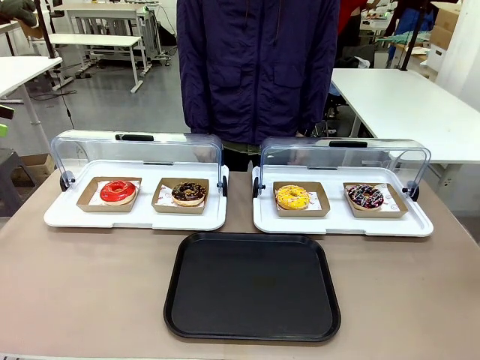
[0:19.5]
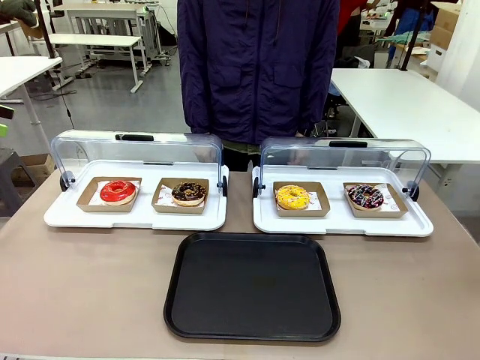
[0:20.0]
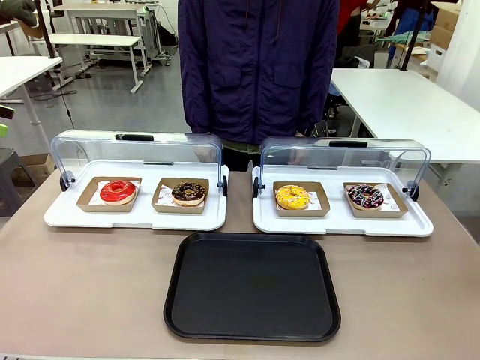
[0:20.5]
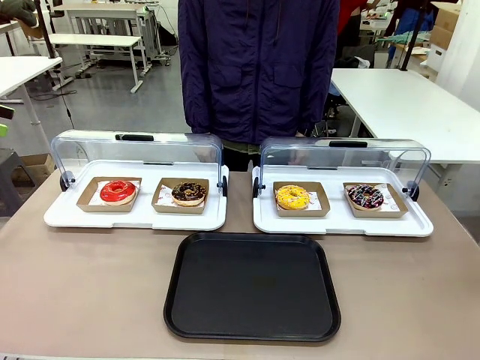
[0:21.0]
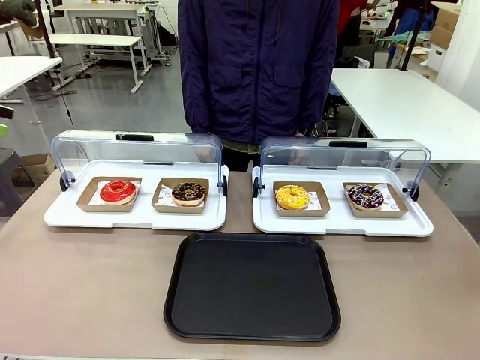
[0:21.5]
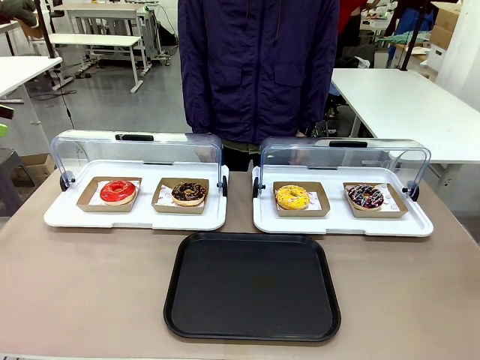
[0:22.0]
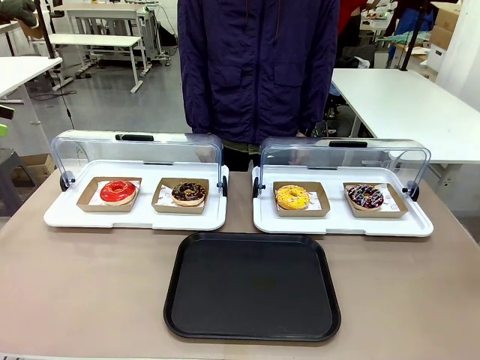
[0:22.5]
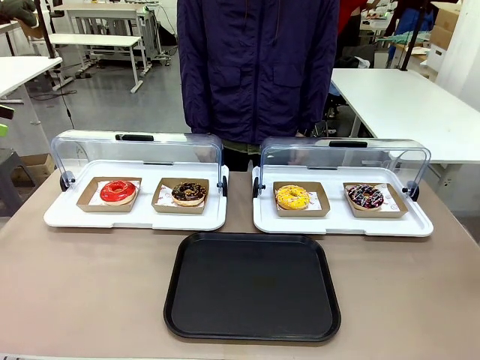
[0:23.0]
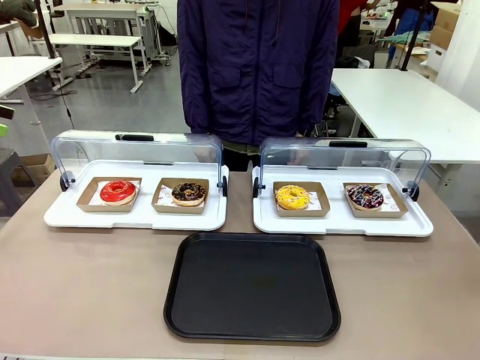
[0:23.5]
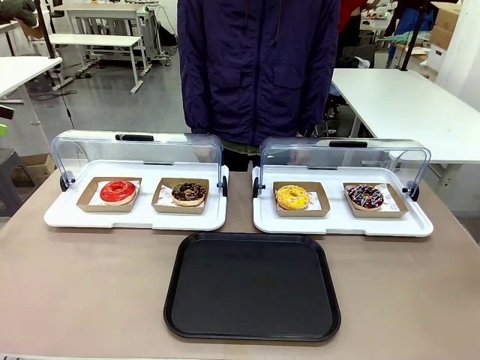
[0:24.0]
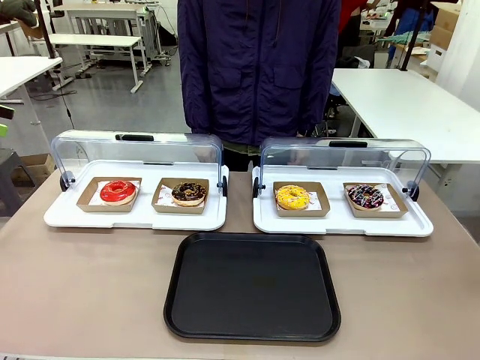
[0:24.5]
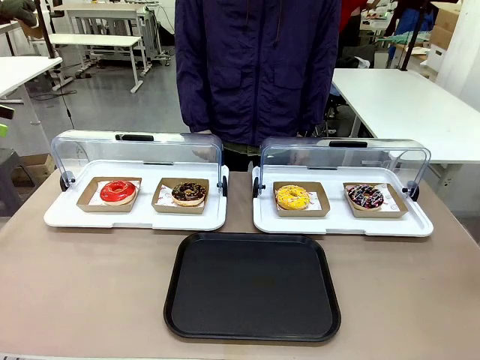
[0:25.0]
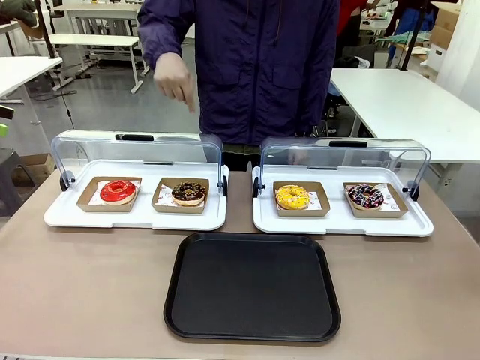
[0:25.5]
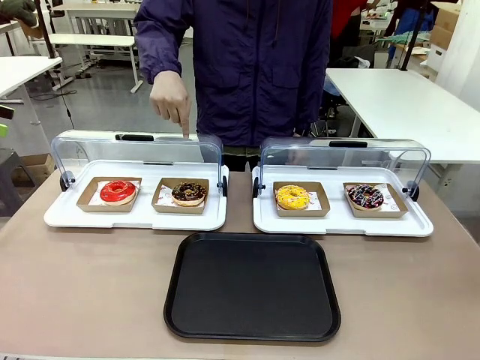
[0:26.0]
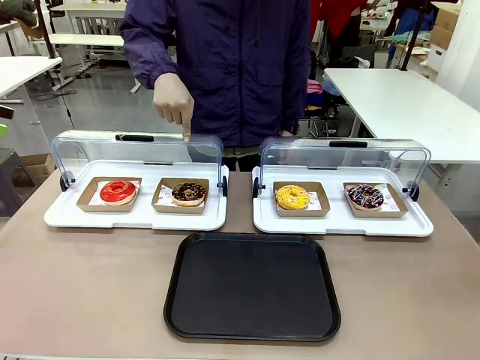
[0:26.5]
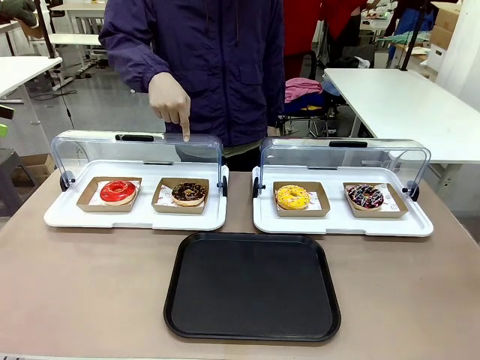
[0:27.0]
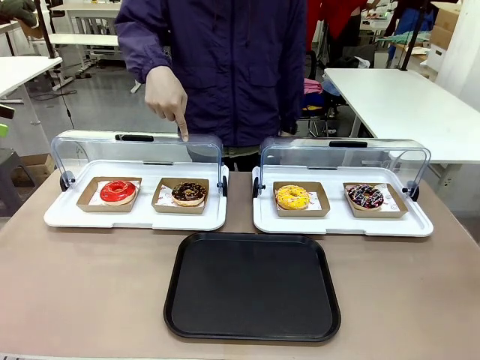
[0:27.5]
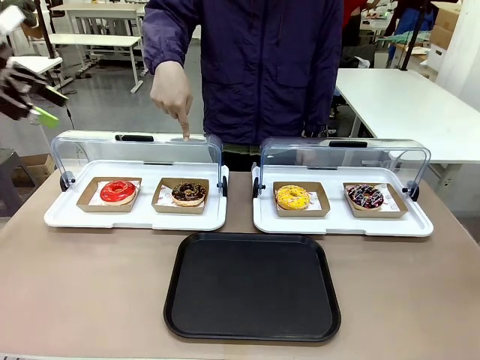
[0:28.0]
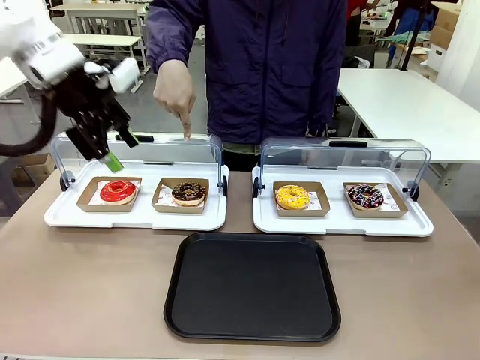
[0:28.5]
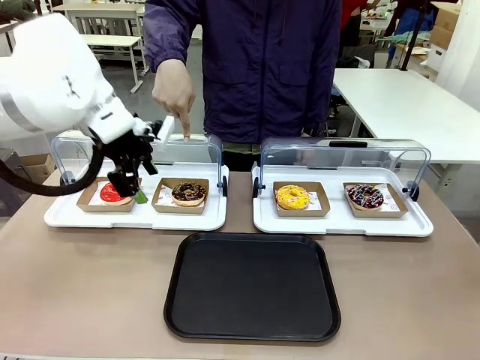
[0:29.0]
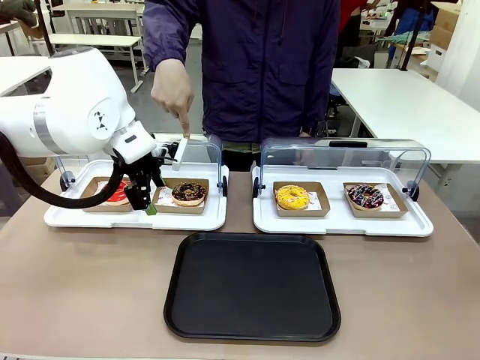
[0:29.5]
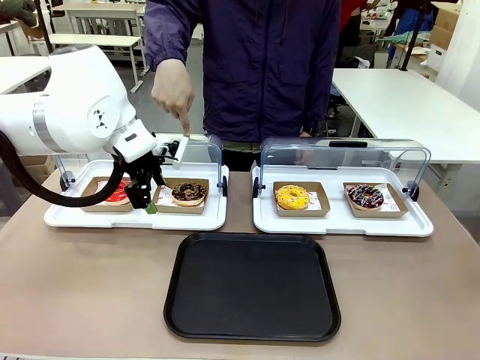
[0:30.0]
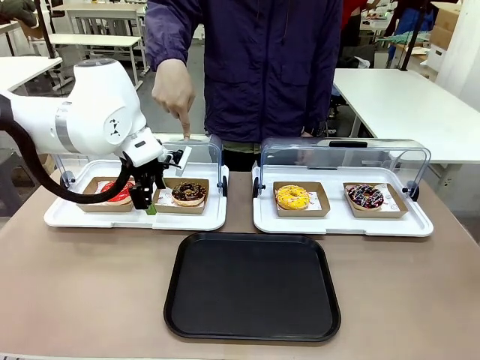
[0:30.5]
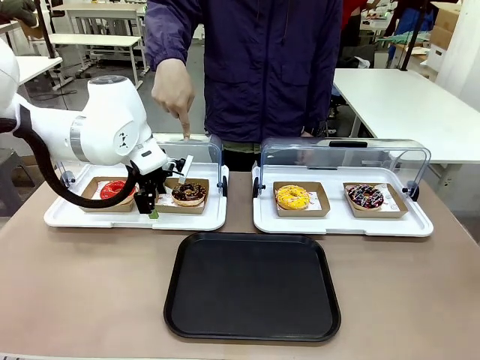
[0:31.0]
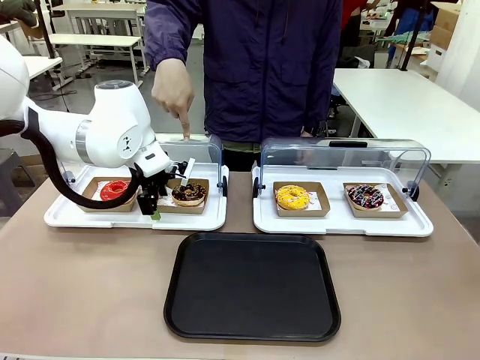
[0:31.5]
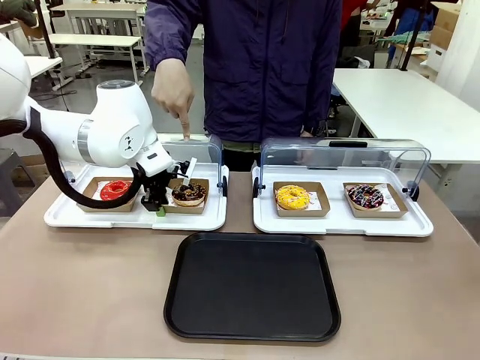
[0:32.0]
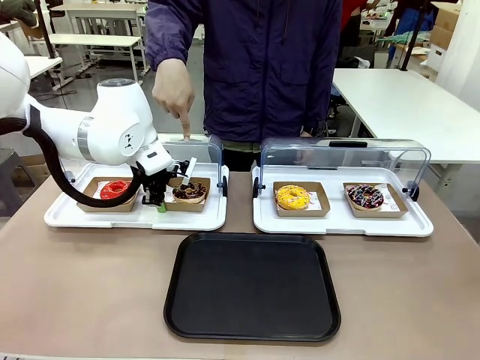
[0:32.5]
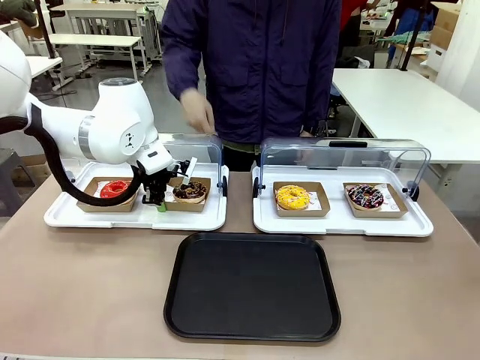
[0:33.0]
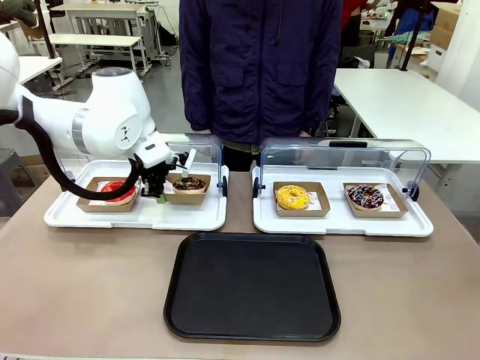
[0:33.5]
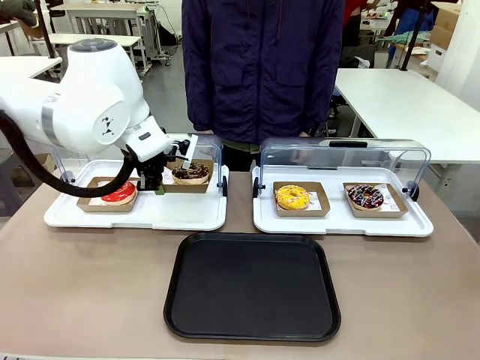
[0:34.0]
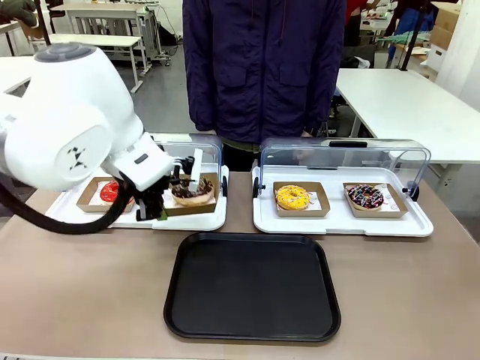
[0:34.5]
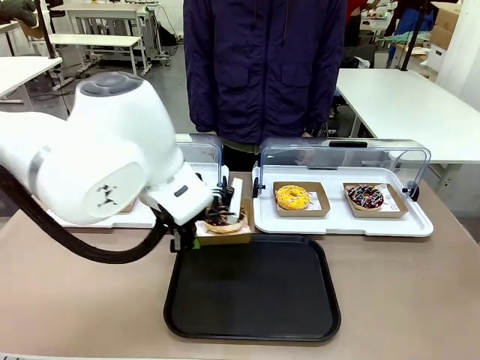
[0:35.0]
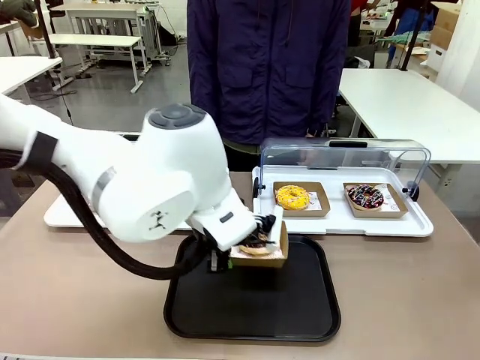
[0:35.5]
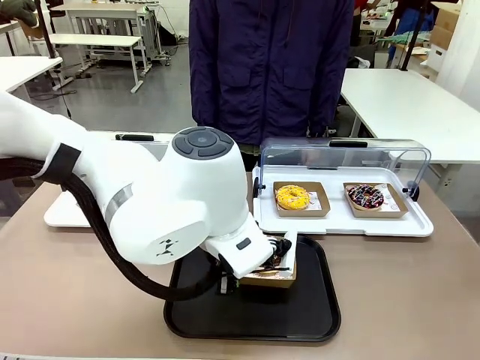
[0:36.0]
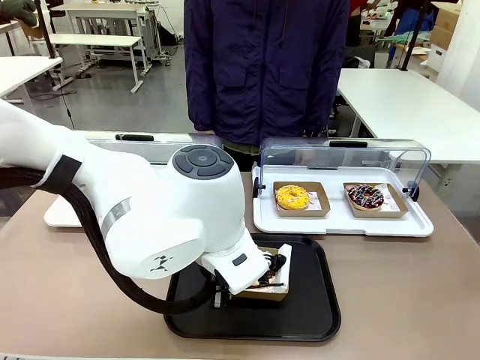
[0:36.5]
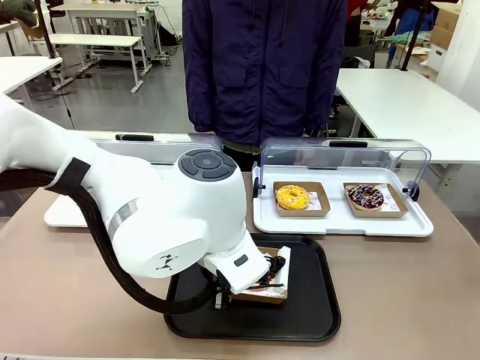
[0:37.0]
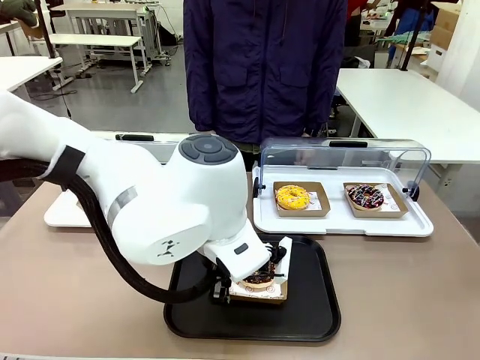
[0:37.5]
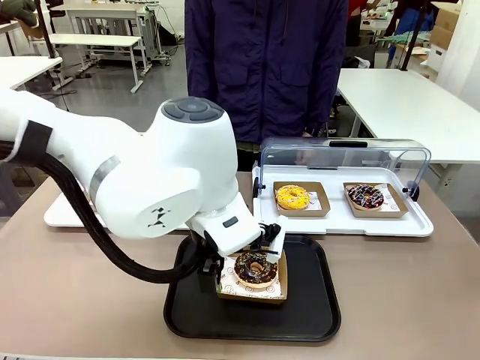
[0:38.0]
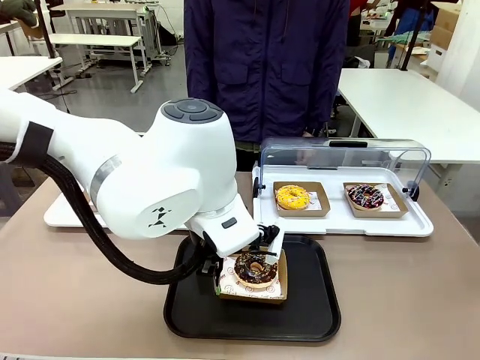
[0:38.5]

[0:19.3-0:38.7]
Task: Move the second donut from the left to the tray.
Robot: Pick up the Paper togo box containing the Donut indicated by the person and place it on the Handle tray.
Person: Points to the second donut from the left from the robot’s perspective.

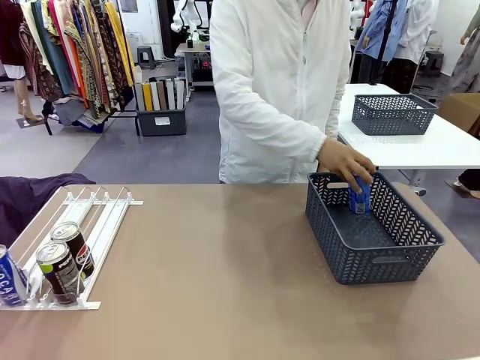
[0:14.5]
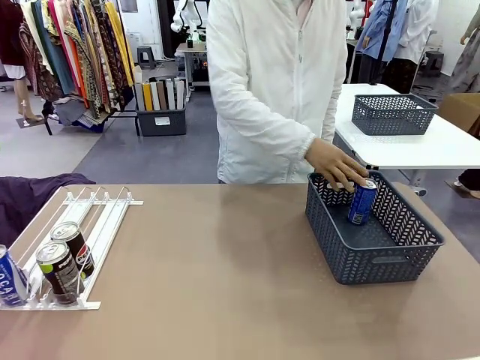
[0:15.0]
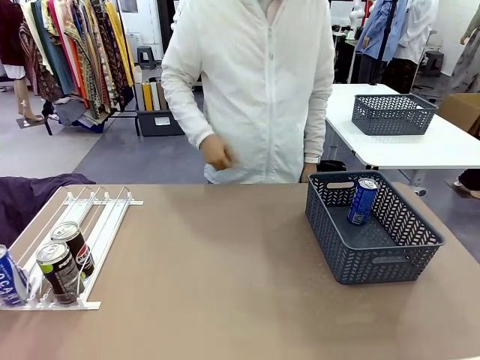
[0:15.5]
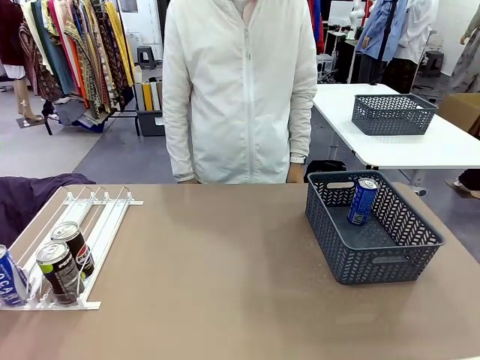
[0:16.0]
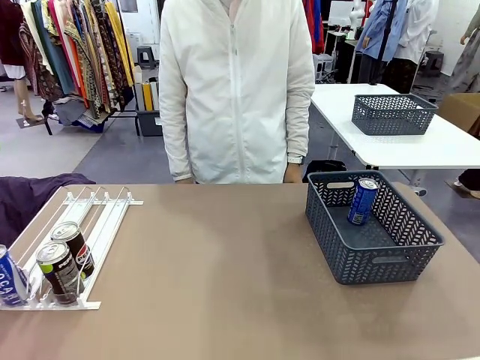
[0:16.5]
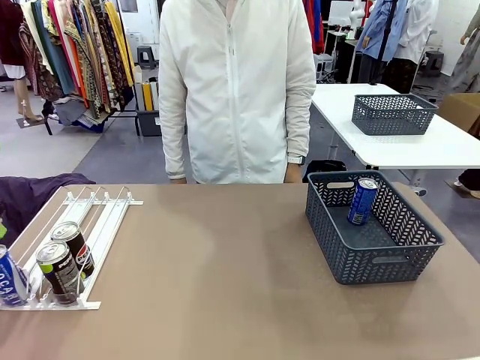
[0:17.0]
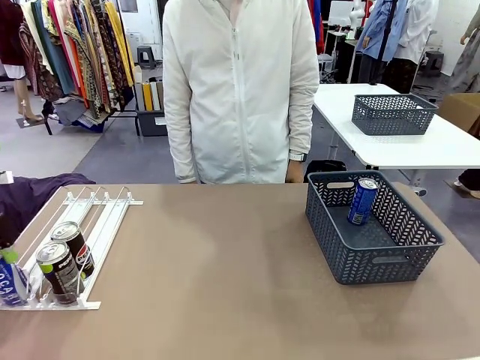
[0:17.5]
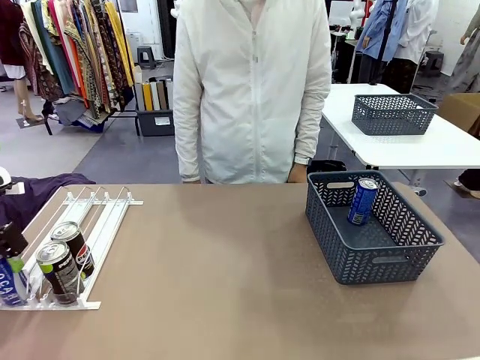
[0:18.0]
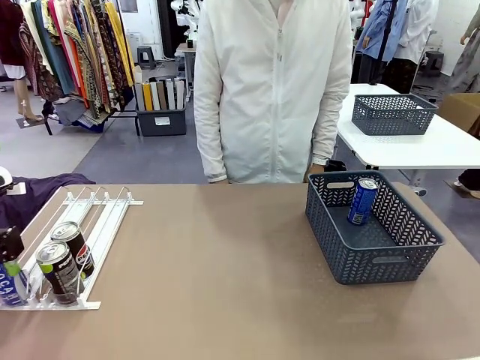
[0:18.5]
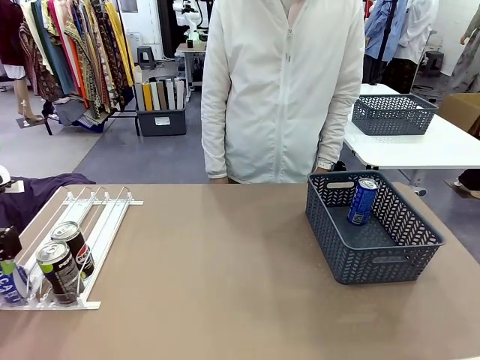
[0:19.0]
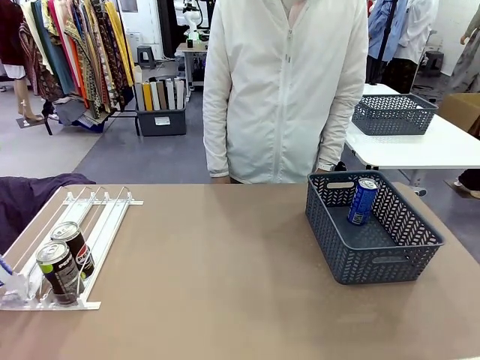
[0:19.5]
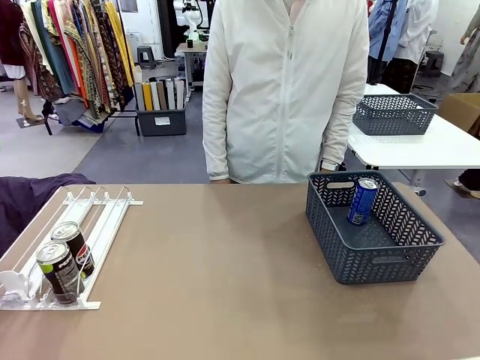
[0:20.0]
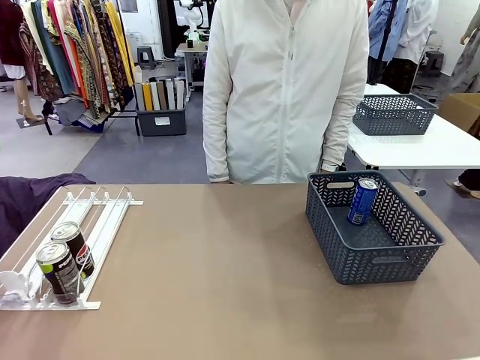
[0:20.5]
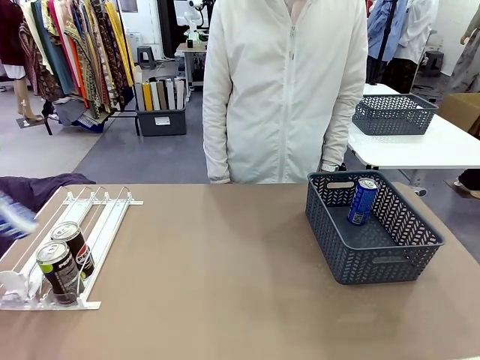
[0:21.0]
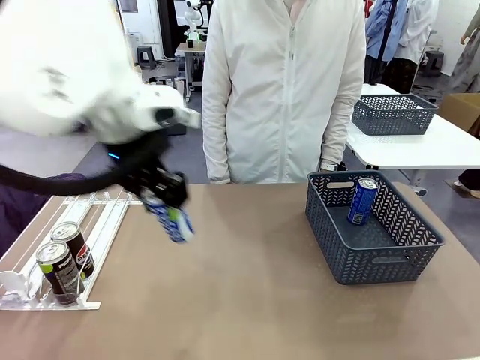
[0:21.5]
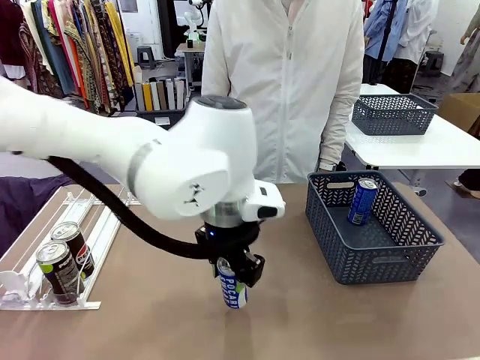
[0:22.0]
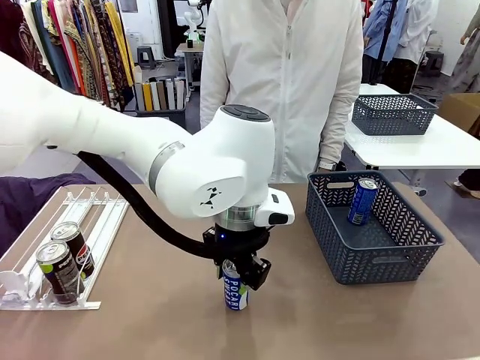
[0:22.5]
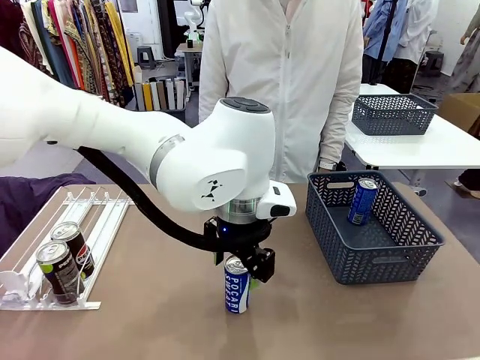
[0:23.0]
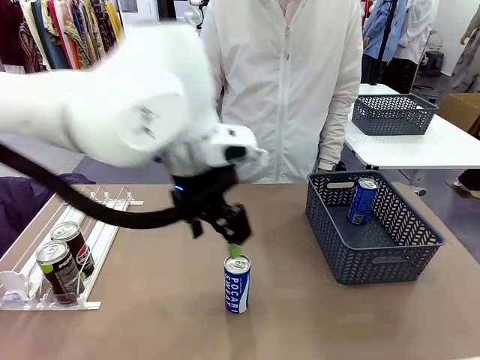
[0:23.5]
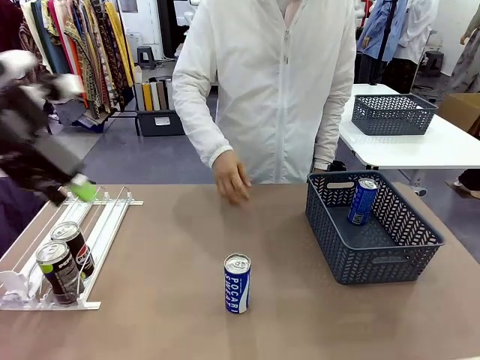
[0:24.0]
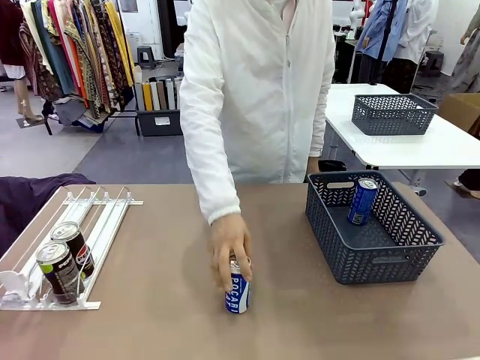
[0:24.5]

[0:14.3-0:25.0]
Task: Retrieve and store the cans from the dispenser.
Robot: Pick up the last remaining can from one row of the Automatic Can Dispenser and place it in the middle of the table.
